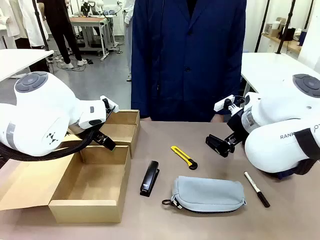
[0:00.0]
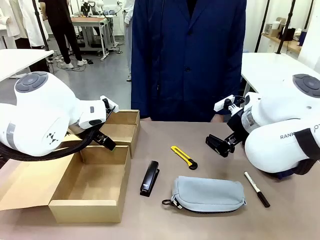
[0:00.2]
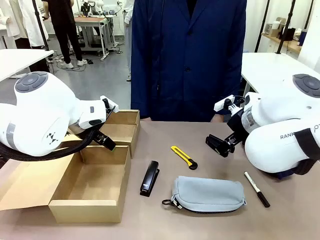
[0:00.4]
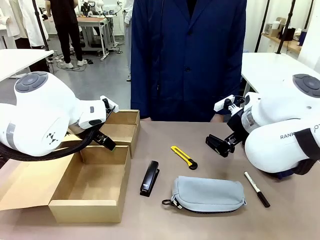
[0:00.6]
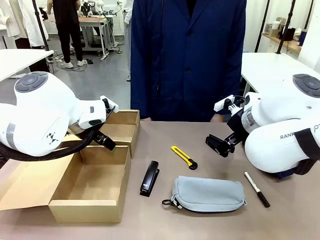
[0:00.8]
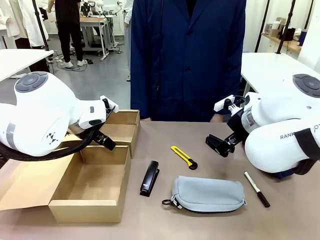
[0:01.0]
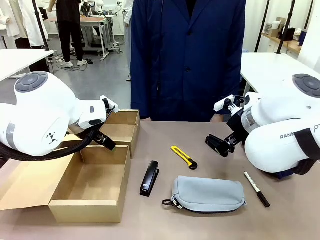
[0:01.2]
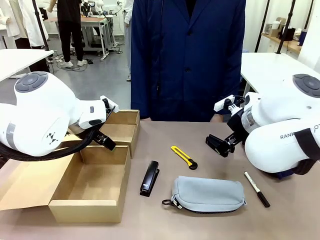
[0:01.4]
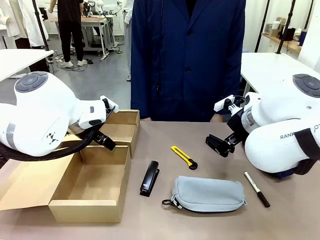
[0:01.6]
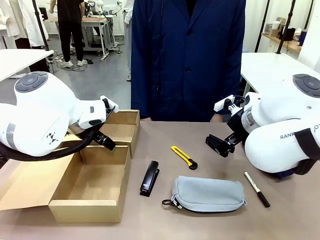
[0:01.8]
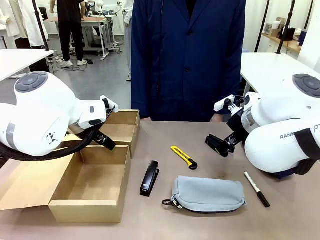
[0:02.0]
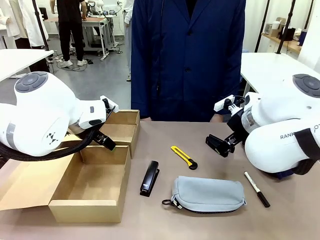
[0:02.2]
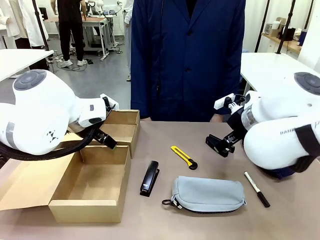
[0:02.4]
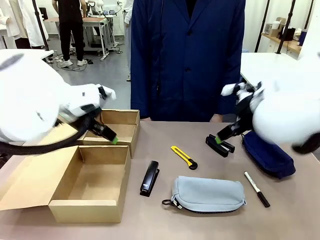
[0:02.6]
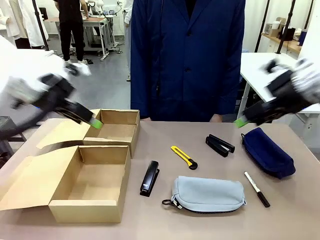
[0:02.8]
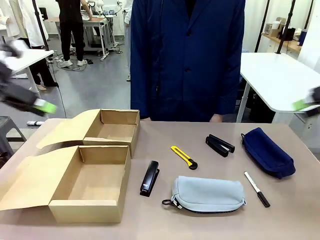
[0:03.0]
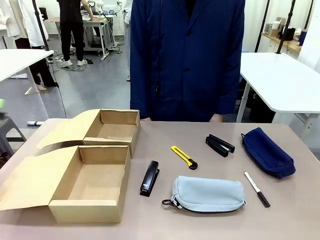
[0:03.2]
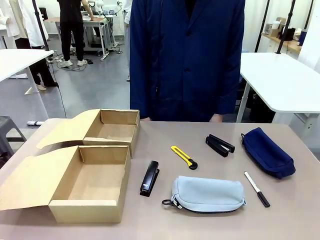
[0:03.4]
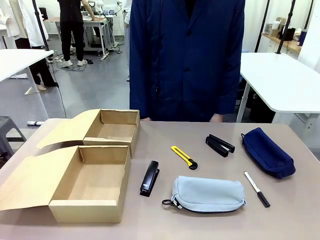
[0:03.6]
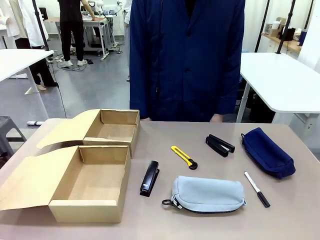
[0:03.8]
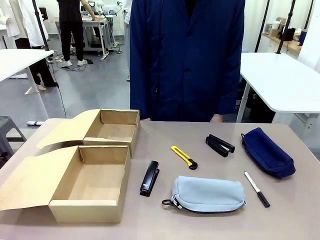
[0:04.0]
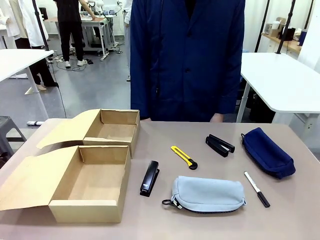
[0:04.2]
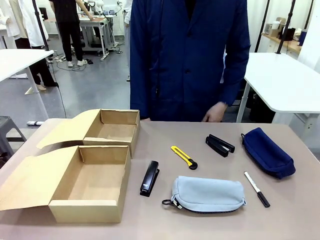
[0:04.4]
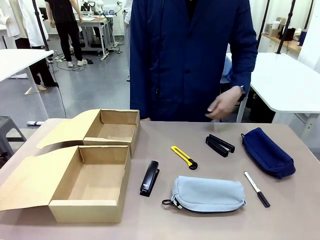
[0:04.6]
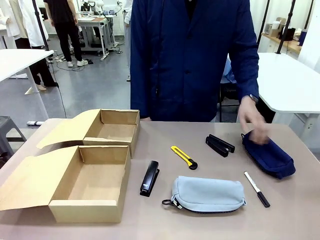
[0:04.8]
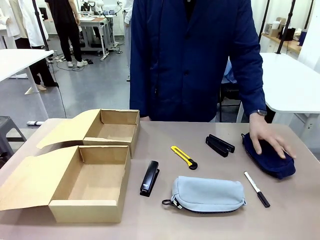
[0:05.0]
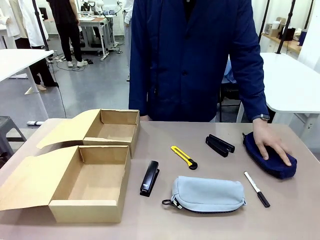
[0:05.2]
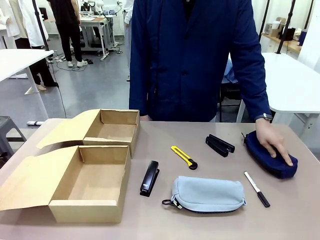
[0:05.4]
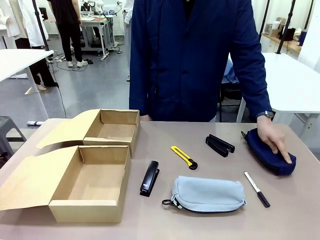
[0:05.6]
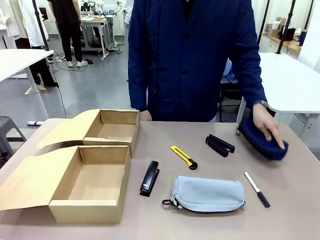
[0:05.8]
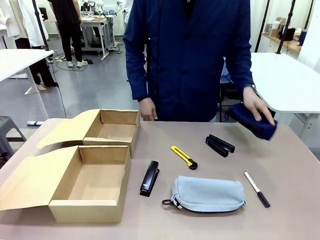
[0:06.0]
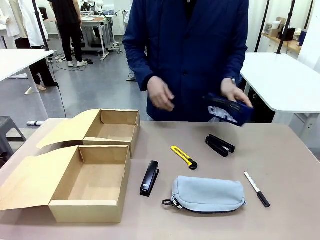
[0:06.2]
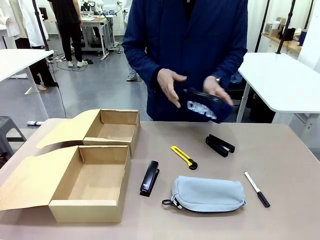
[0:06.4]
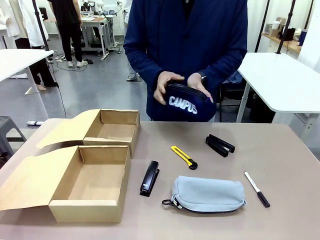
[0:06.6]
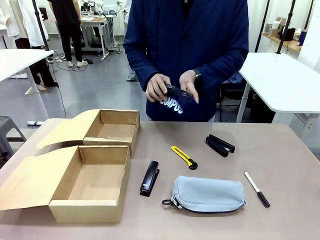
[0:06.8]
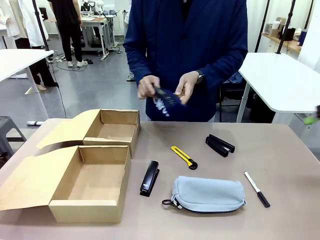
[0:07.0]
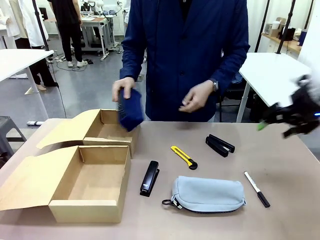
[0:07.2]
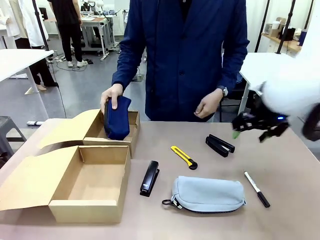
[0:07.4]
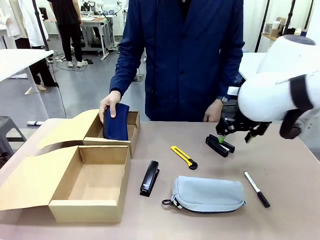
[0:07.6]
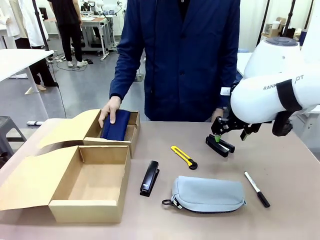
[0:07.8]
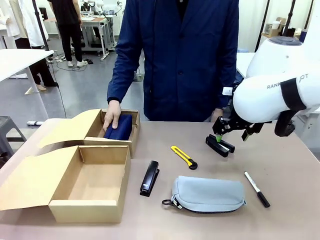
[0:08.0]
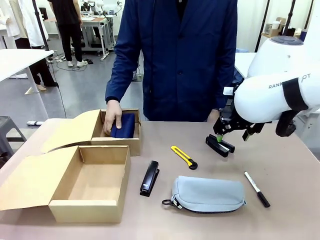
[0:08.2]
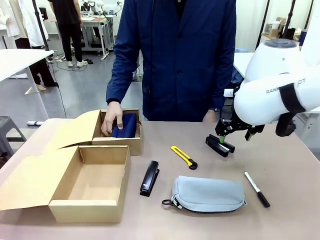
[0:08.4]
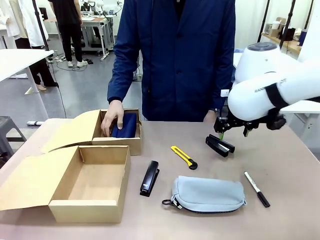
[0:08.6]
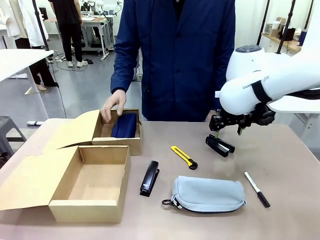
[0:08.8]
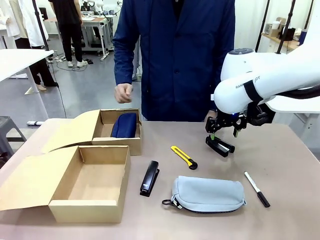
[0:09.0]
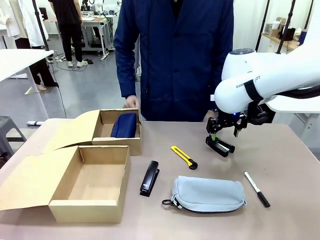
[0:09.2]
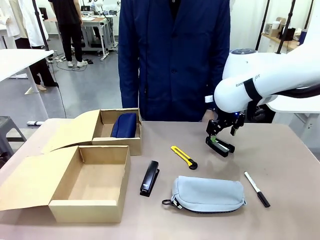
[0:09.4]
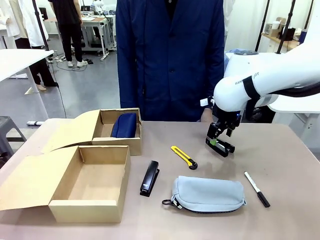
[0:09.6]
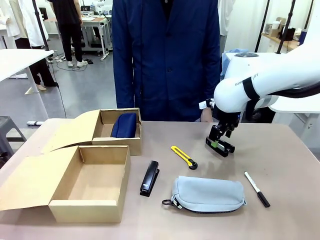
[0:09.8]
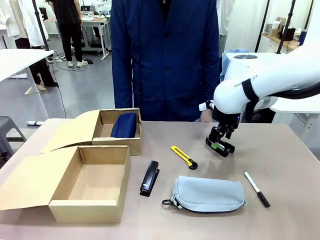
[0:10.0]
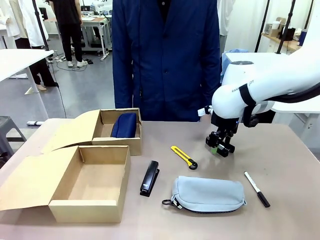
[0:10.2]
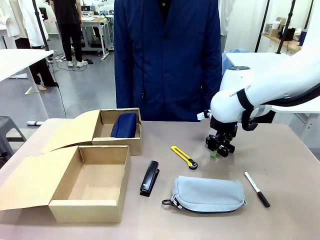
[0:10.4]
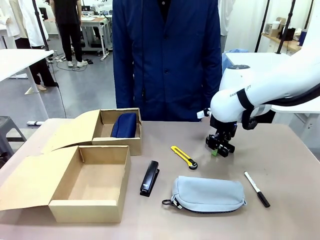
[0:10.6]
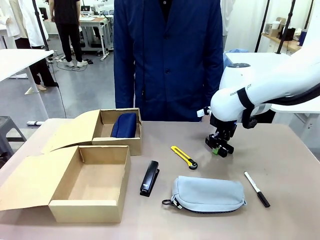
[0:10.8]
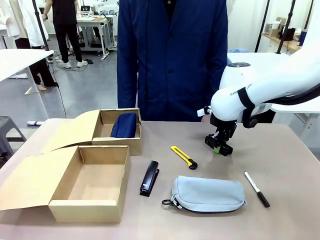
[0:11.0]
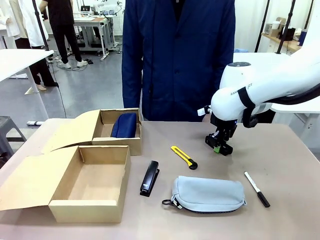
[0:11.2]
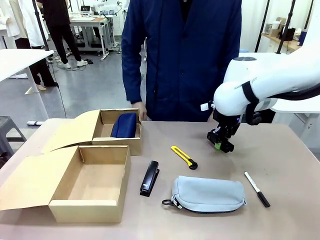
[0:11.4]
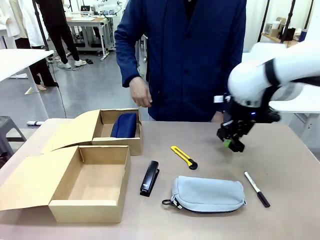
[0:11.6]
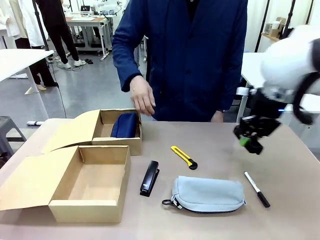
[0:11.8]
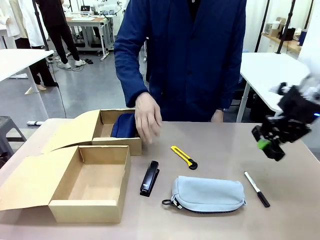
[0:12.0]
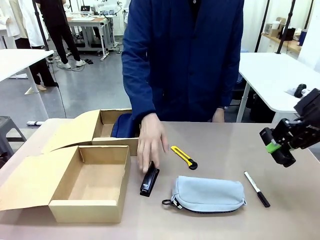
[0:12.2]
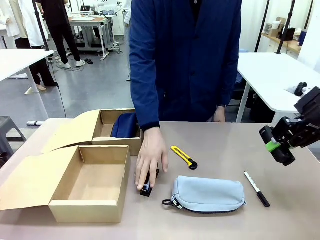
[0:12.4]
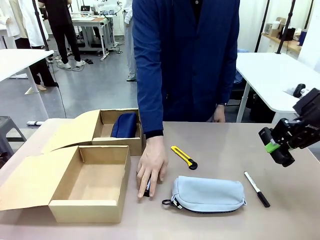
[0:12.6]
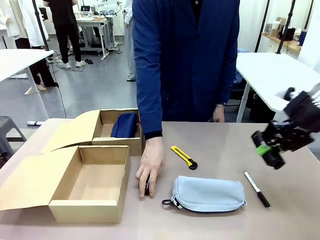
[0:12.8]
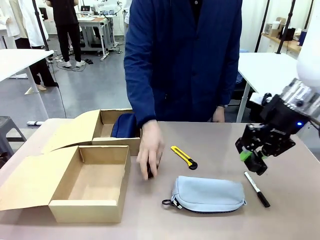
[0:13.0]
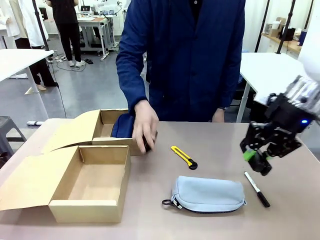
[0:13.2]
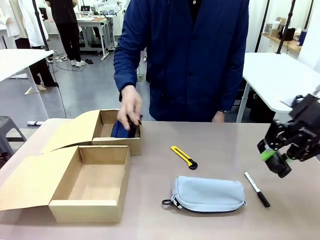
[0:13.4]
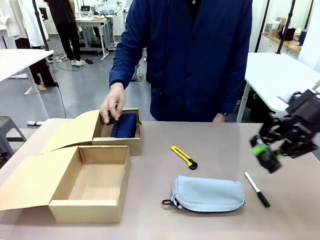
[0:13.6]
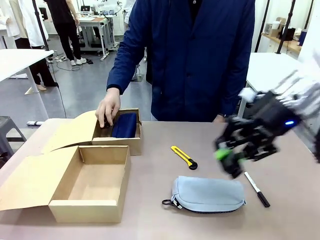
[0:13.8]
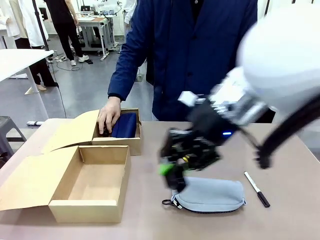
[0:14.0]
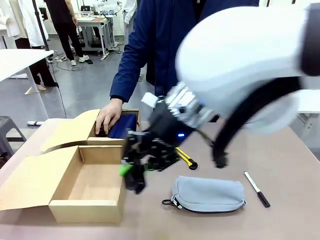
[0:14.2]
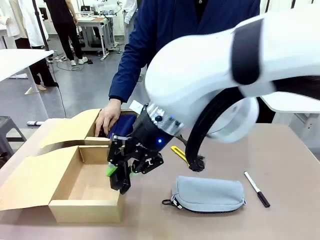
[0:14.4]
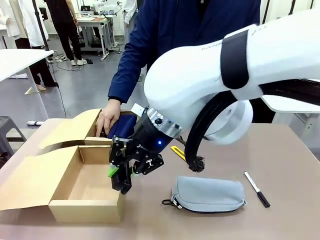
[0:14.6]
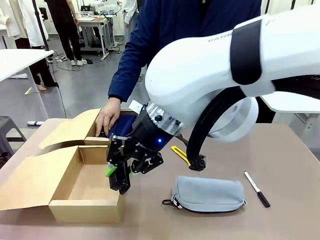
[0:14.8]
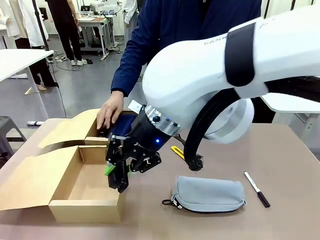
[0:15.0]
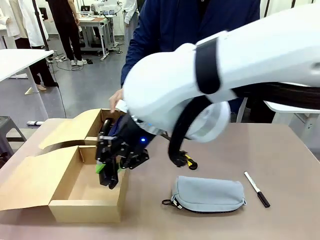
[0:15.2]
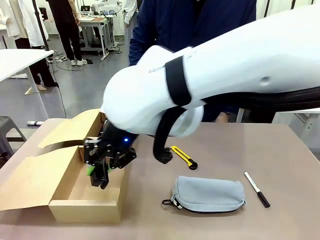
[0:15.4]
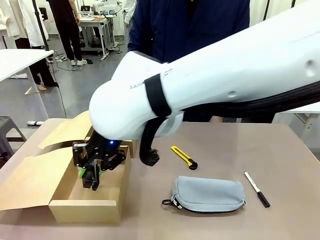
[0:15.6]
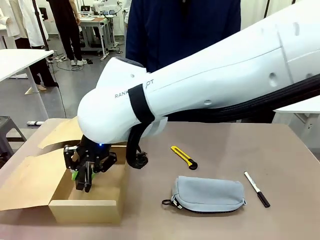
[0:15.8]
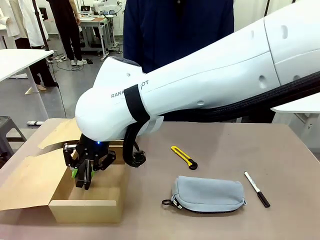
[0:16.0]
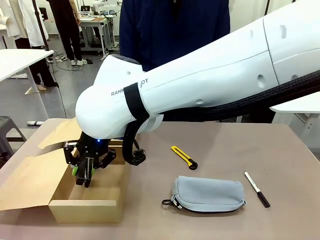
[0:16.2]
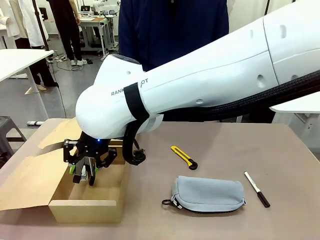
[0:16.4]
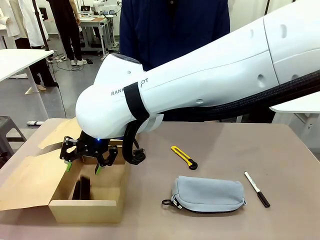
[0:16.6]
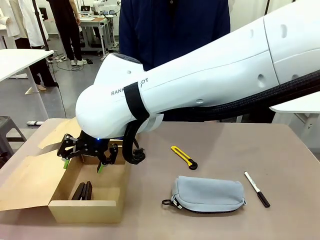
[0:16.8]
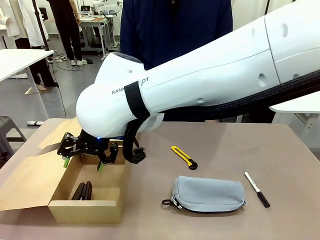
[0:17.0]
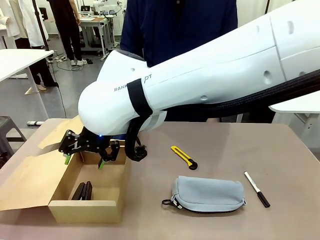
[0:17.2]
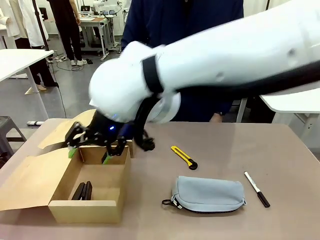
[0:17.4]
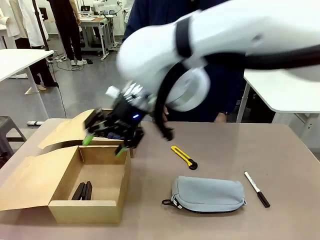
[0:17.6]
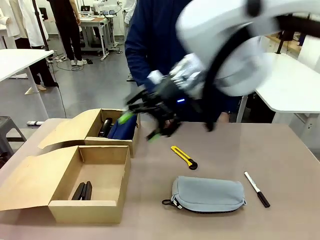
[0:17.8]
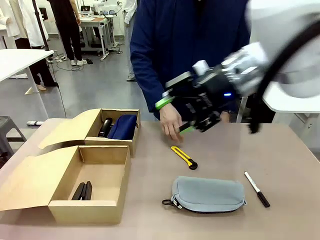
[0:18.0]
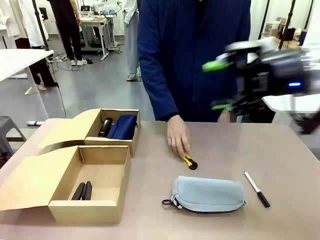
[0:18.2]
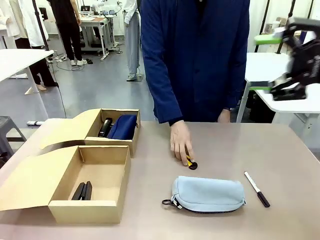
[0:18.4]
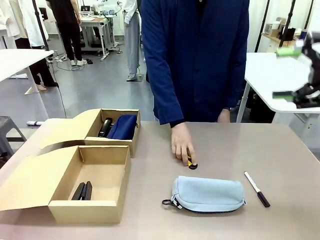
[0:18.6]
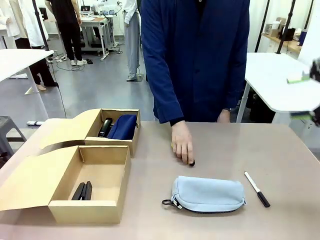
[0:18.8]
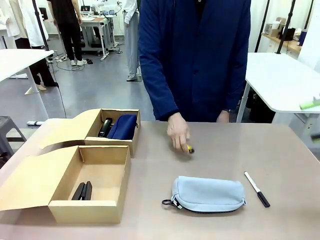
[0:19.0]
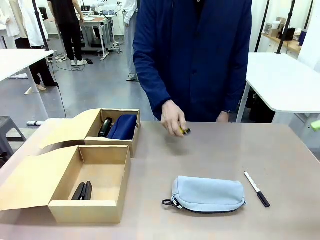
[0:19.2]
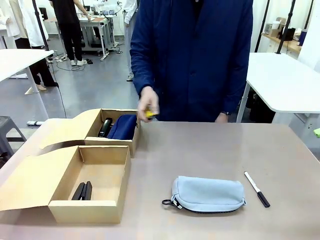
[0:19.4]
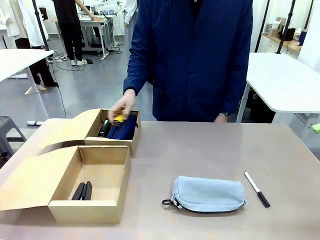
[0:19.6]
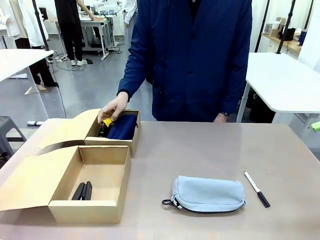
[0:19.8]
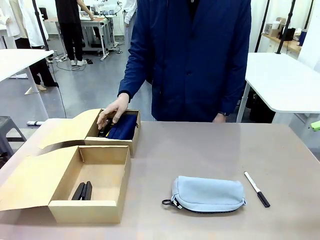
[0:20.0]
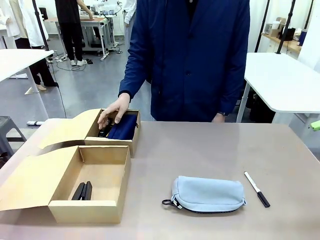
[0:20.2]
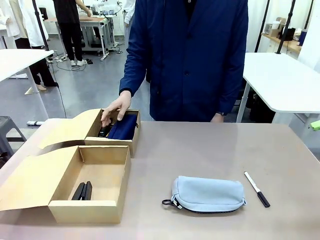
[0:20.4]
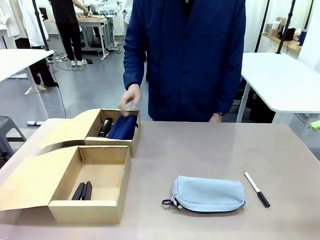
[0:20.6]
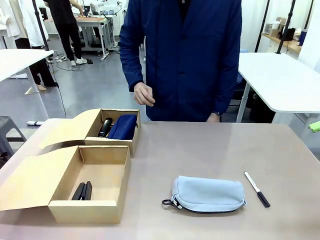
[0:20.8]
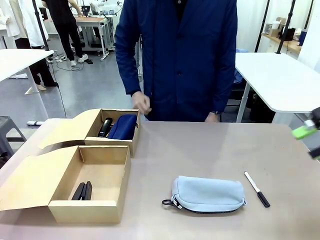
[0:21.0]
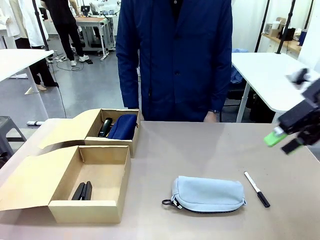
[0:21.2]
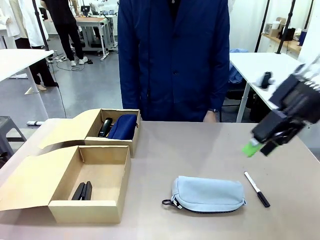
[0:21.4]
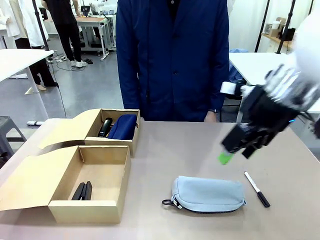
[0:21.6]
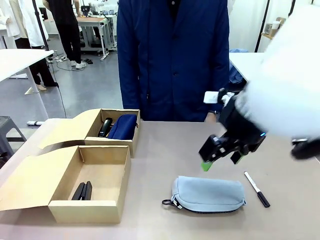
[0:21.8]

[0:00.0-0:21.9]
Task: Place items inside the box.
Robot: Pick up a Pencil pouch or Stapler and place it inside the Mailer Box closest to the robot.
Person: Pick up an object on the table and put it in the box.
